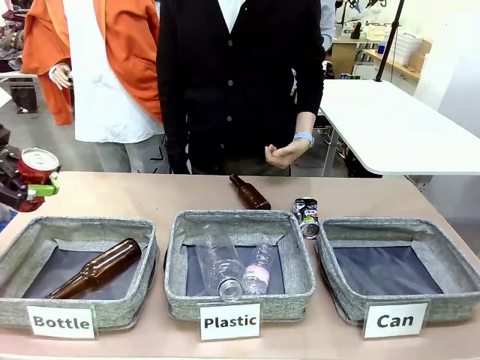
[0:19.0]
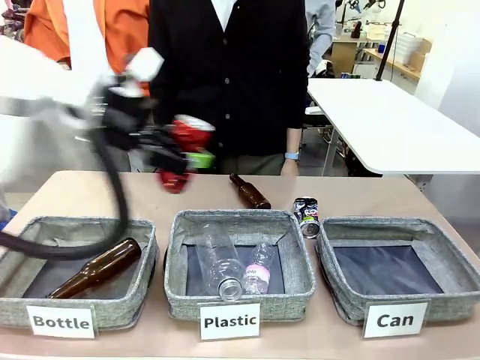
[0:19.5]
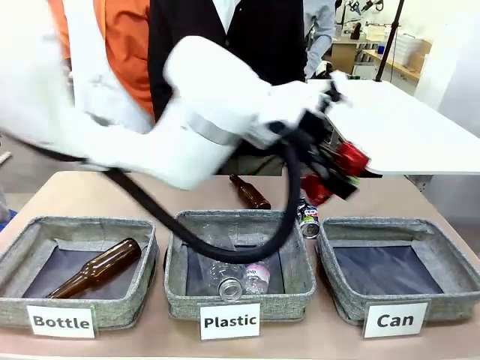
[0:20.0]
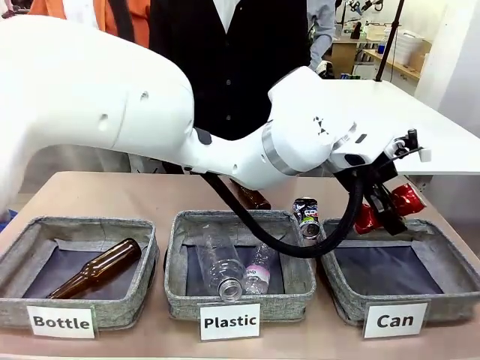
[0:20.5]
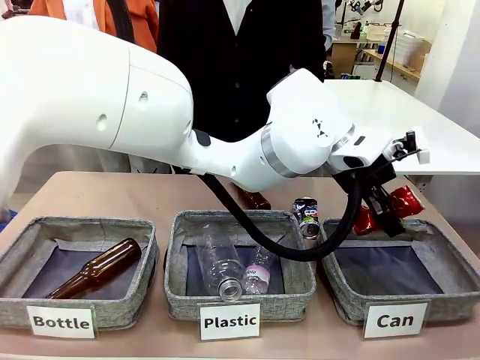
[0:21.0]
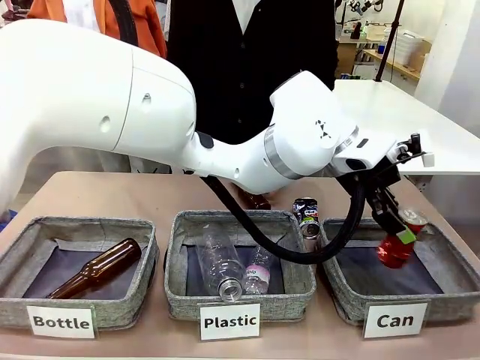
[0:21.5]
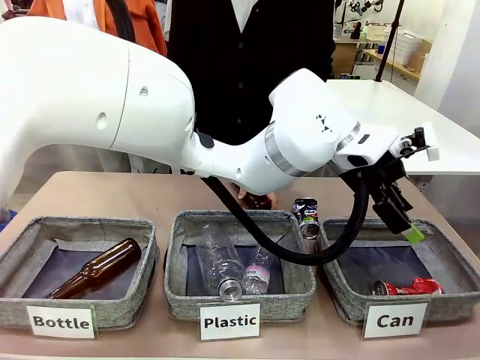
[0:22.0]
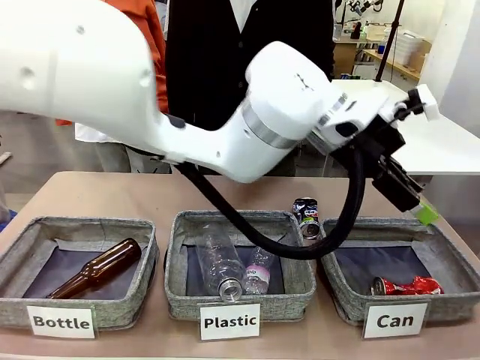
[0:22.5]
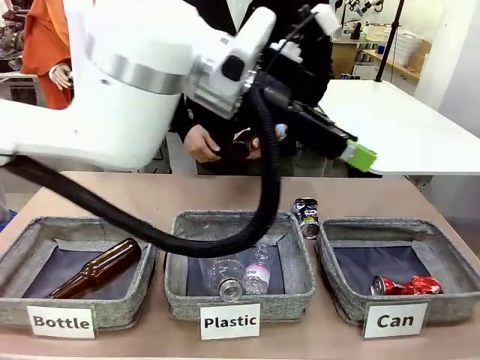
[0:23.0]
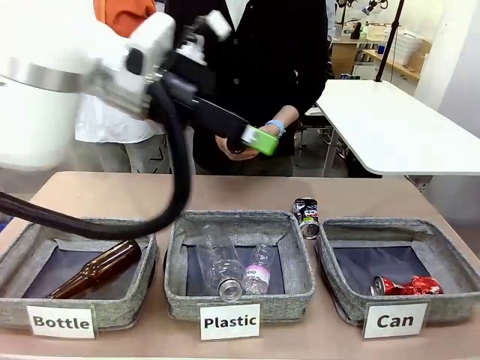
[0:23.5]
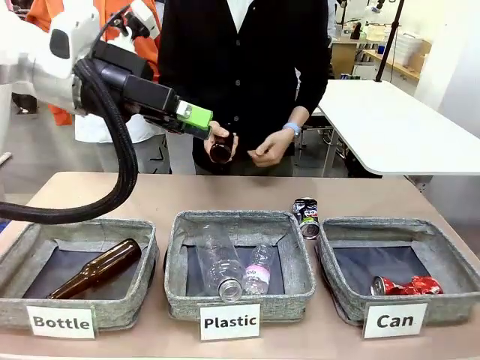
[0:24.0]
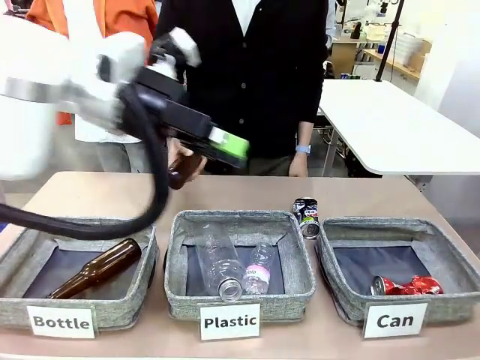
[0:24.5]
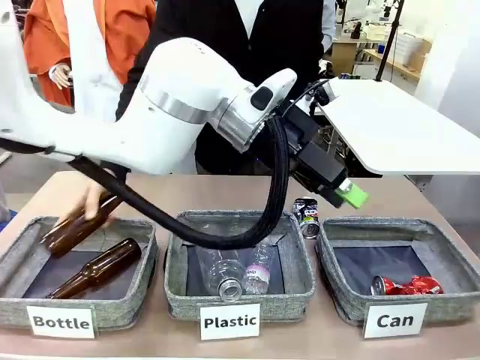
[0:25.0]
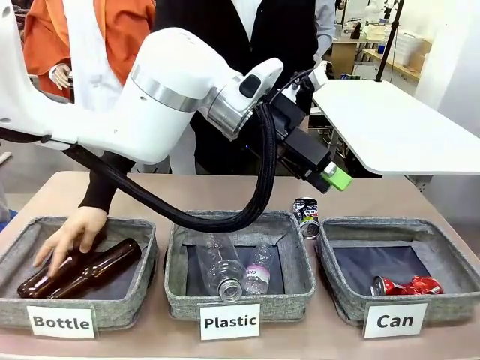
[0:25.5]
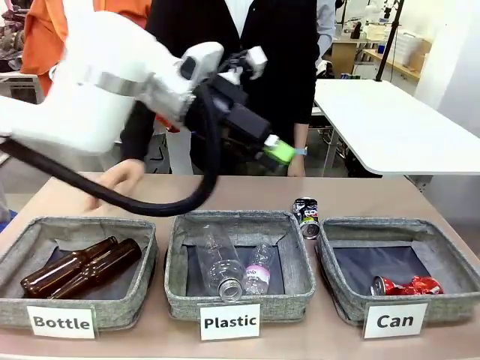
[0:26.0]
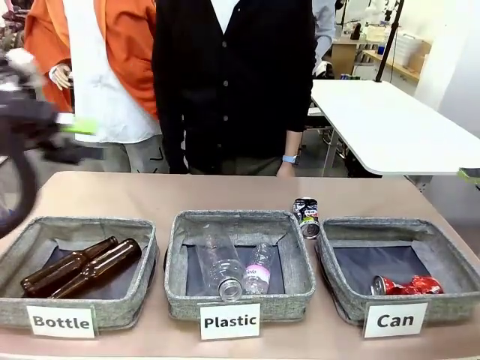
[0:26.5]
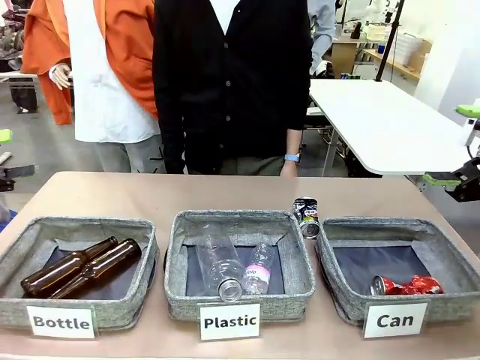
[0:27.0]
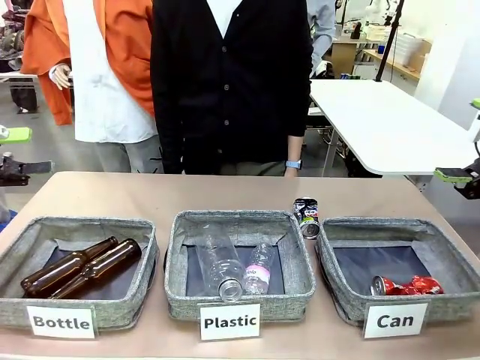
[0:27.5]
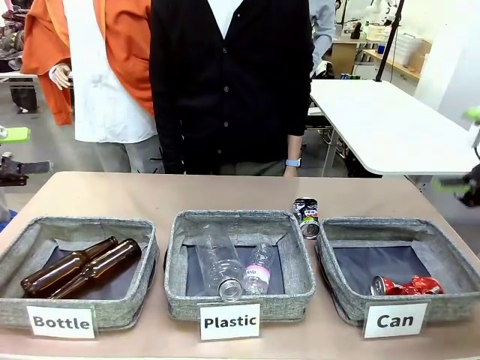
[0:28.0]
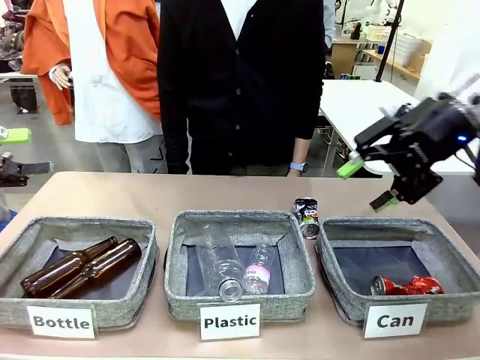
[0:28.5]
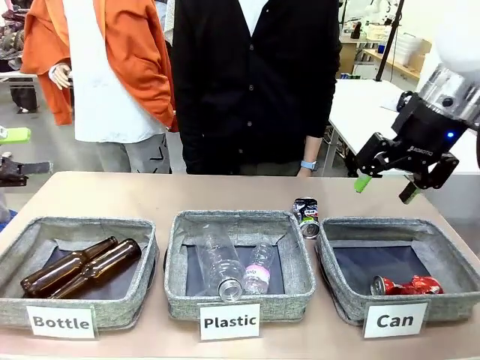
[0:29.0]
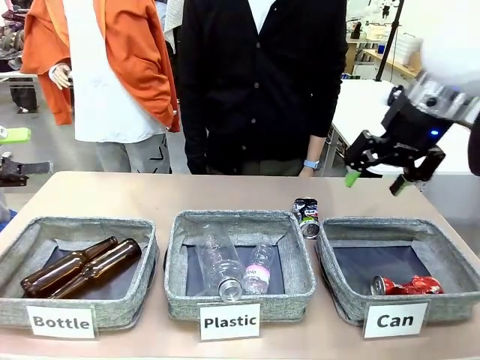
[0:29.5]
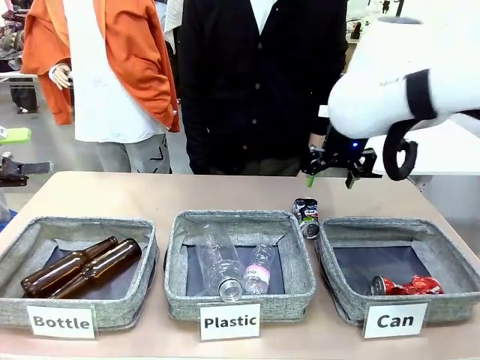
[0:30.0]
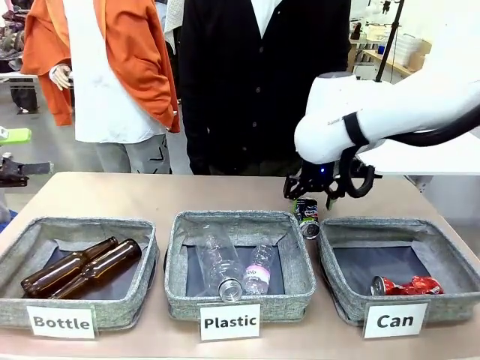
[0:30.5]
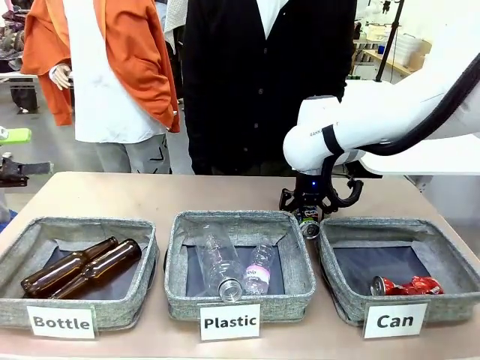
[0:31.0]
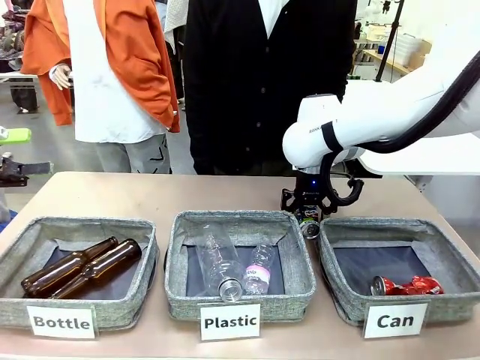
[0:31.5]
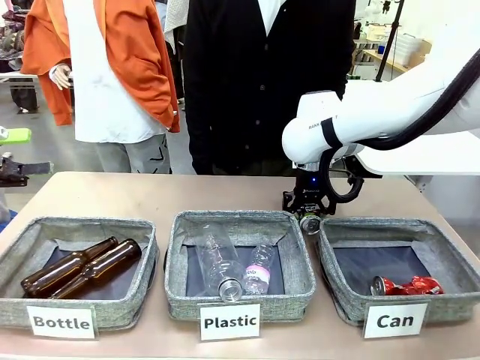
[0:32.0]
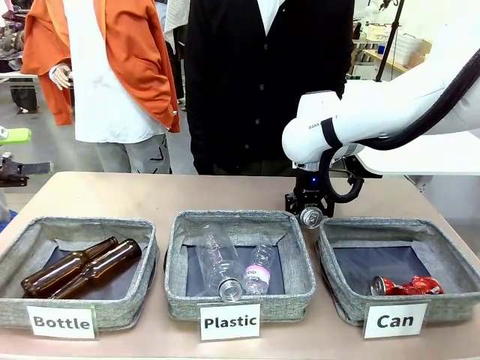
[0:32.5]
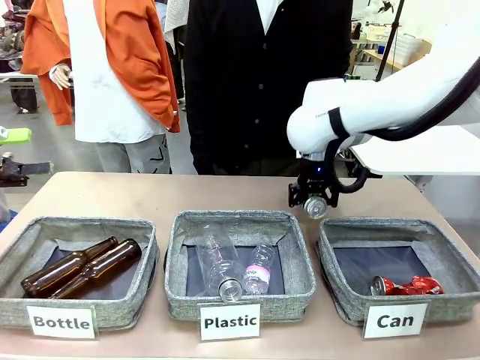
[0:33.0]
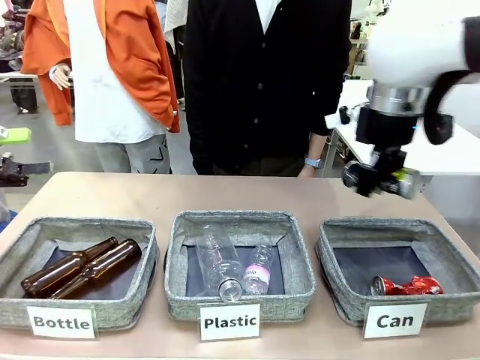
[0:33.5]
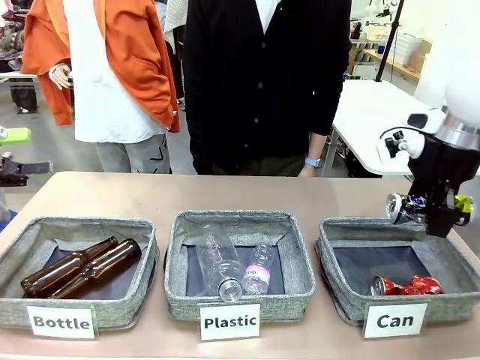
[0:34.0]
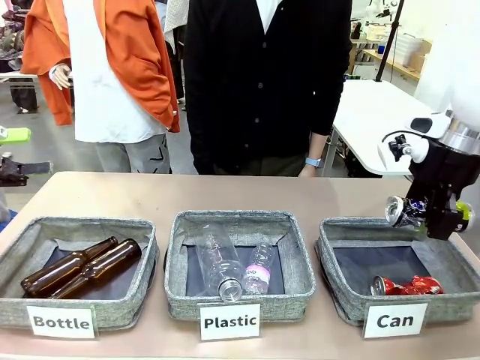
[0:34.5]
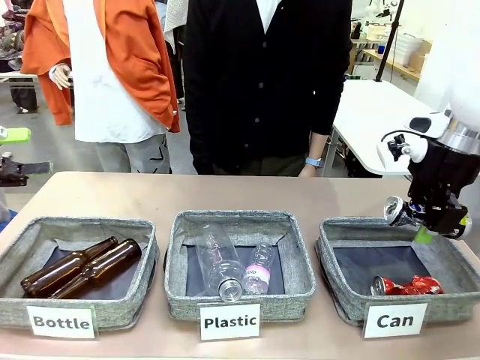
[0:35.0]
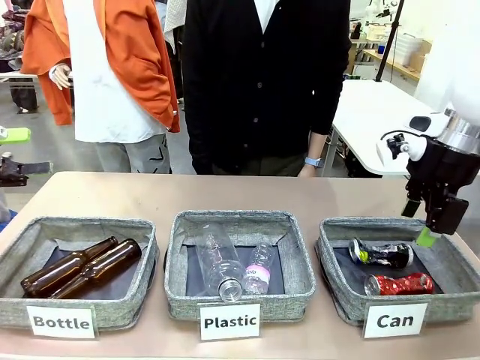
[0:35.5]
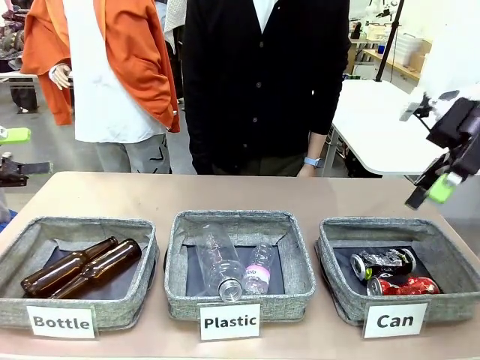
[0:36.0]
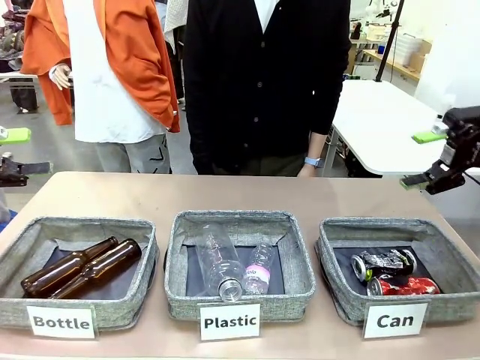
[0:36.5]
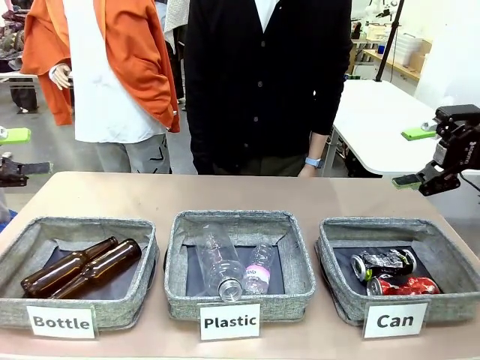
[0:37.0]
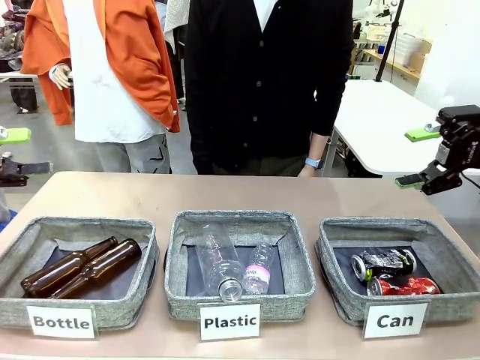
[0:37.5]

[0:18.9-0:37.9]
Task: Sort the can waste into the basket.
Robot: Pick up the can waste from the table and place it in the right Fabric basket.
Person: The human picks up one piece of trash that is not a can and places the trash into the appropriate organizing basket.

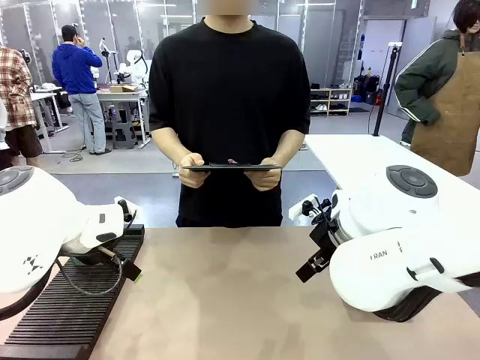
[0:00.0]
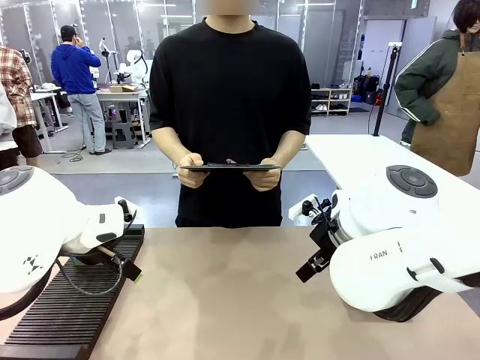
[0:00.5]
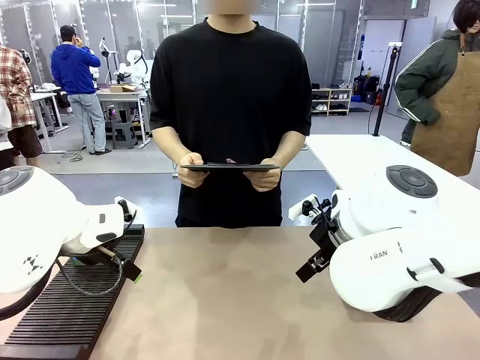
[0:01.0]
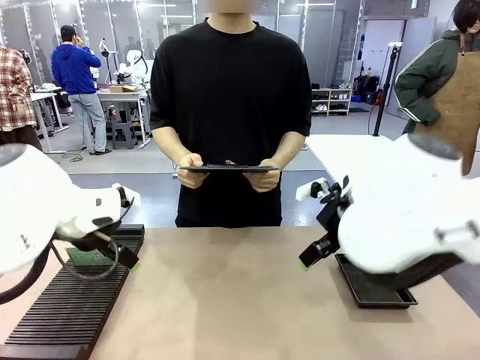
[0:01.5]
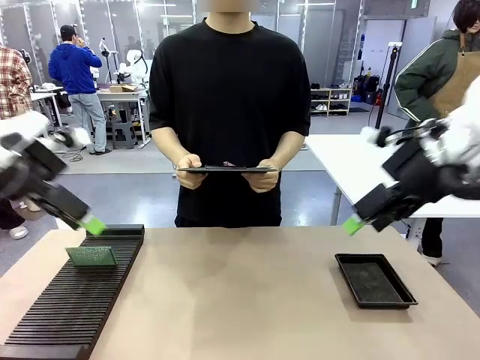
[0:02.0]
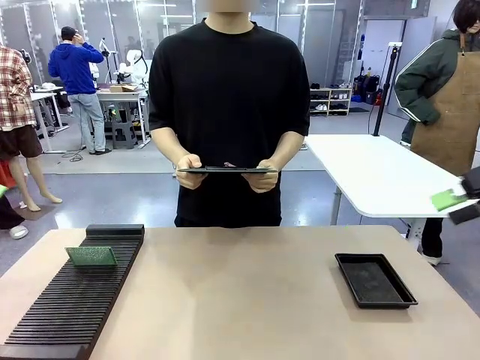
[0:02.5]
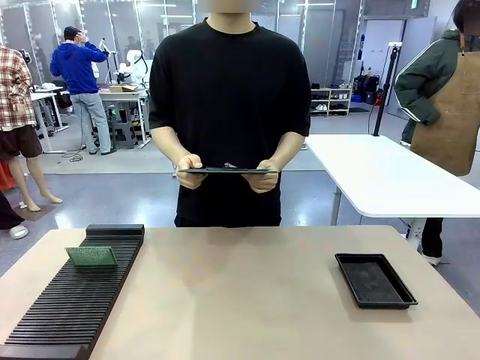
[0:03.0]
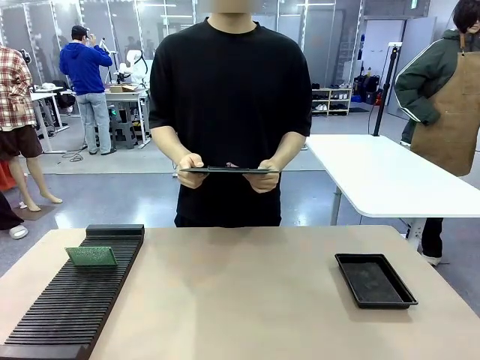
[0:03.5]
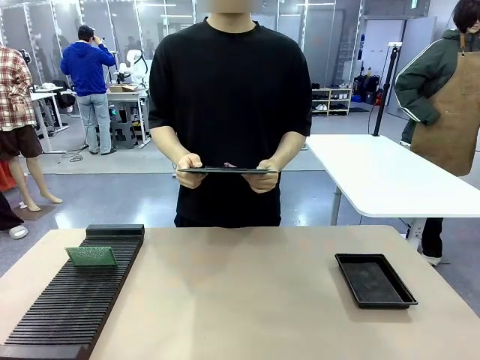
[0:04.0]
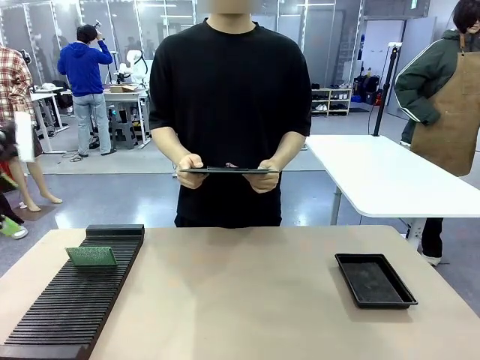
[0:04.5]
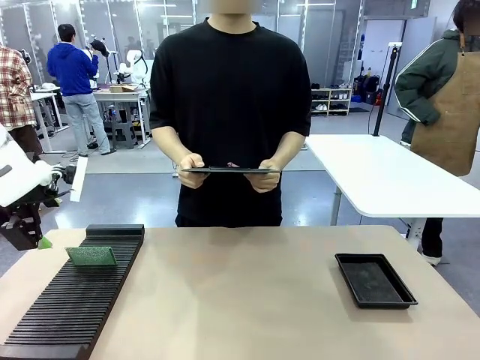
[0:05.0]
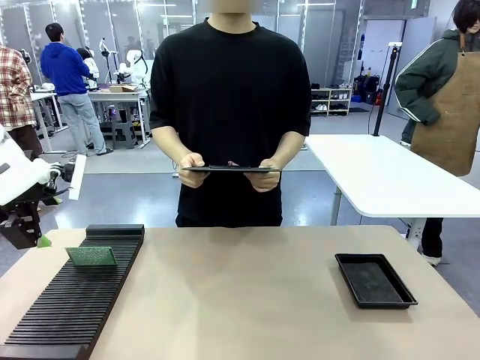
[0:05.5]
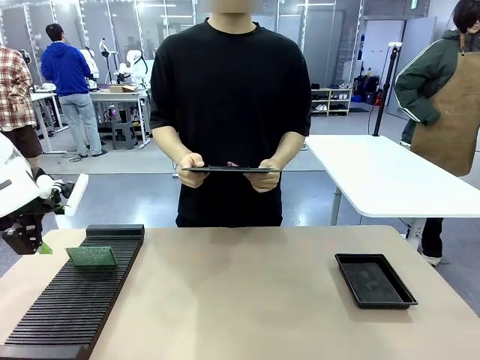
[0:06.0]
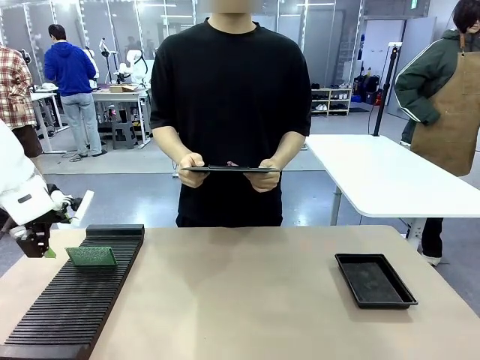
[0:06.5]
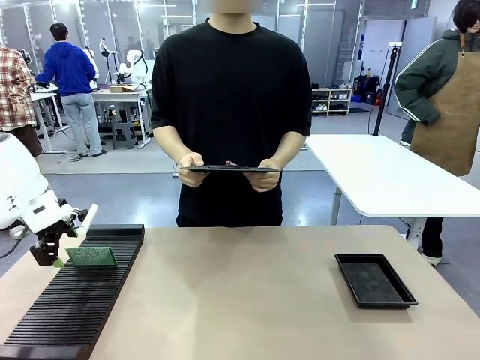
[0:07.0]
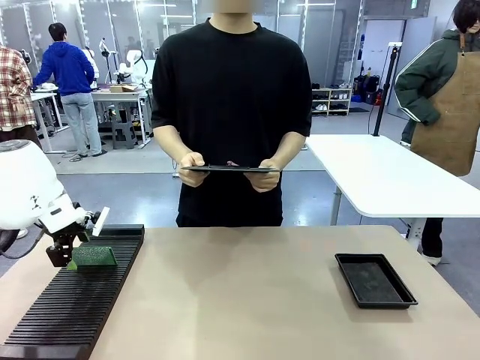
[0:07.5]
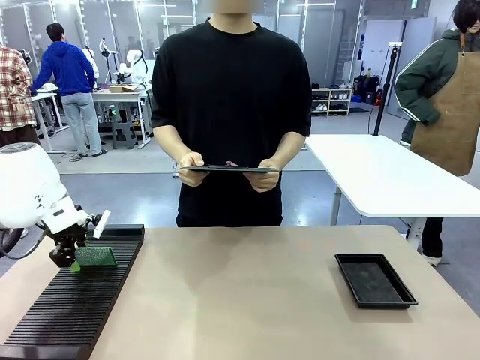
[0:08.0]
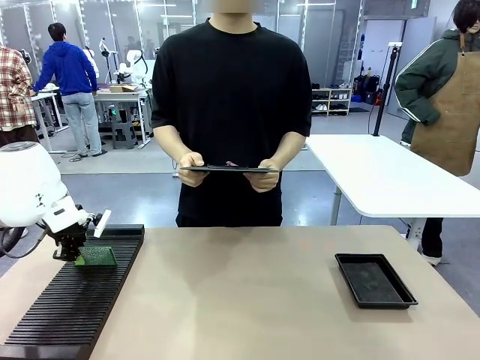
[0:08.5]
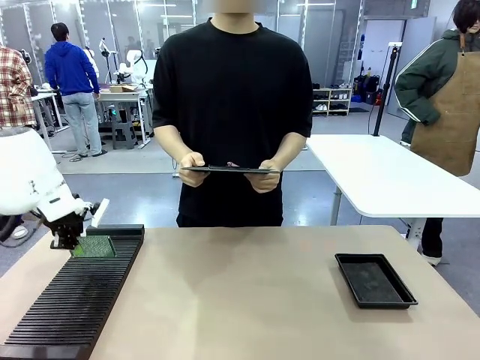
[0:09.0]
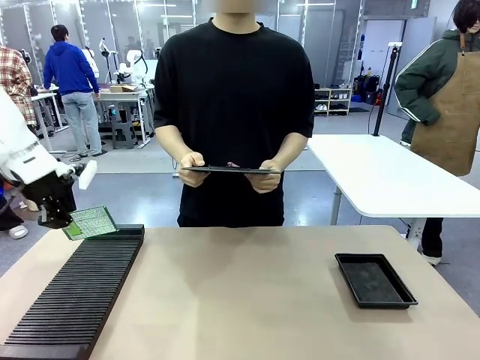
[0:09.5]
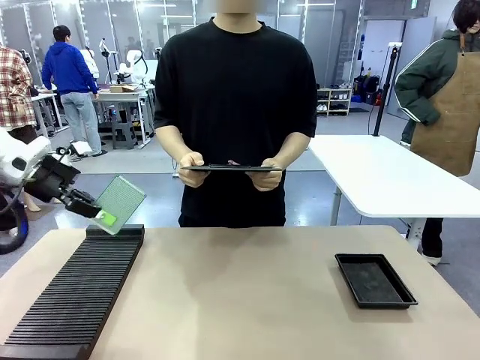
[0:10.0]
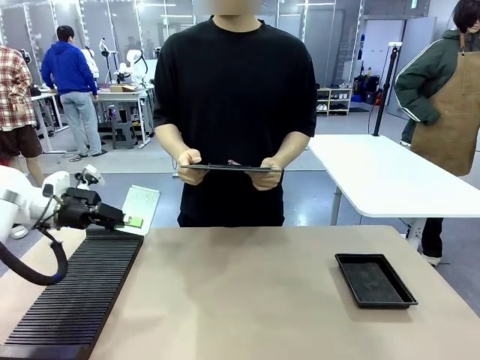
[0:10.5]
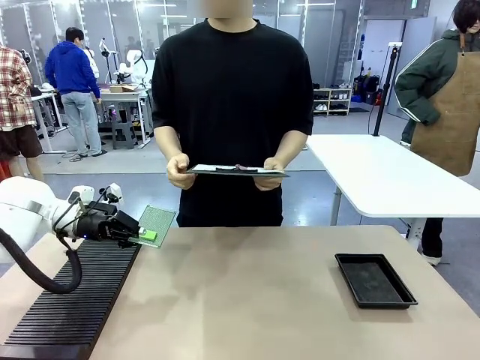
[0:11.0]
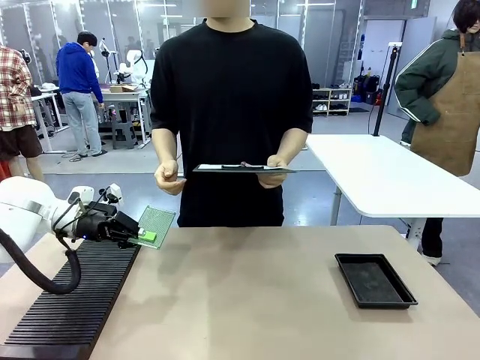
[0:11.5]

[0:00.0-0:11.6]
Task: Inspect the PCB.
Robot: Pick up the Blank PCB and present it to the human.
Person: Pick up the PCB presented by the robot.
